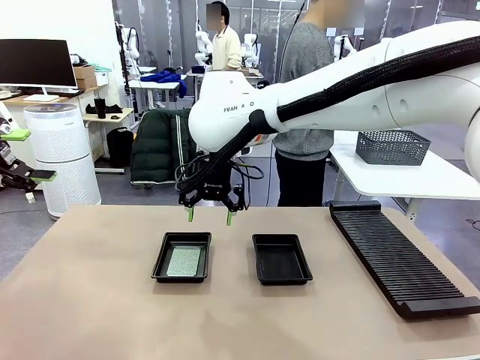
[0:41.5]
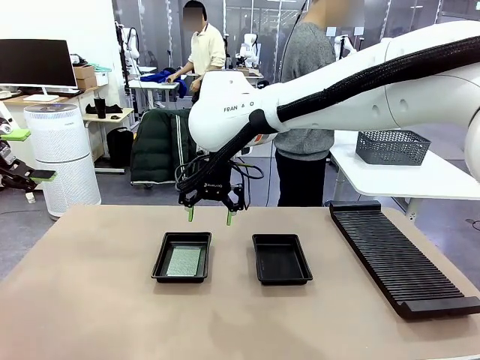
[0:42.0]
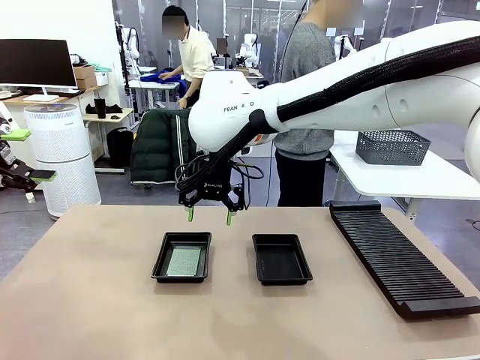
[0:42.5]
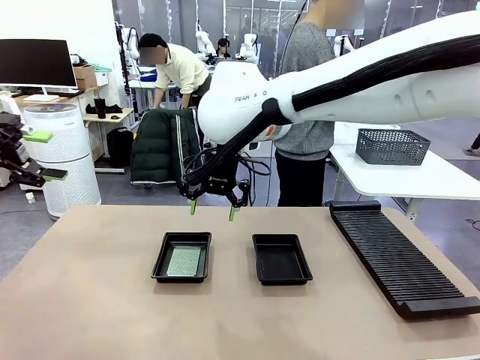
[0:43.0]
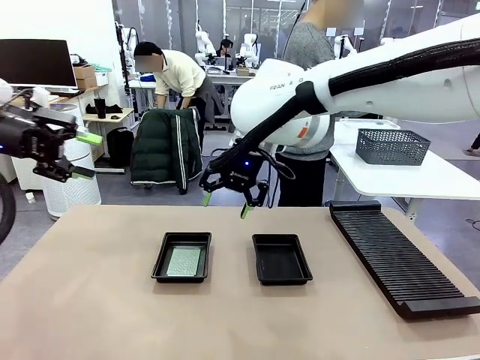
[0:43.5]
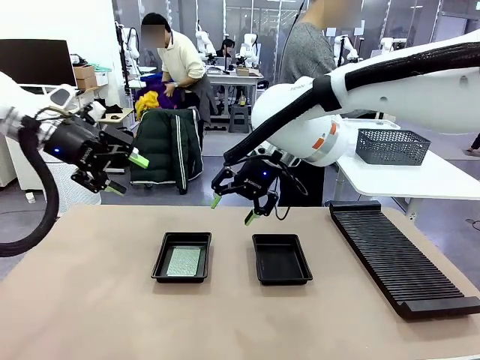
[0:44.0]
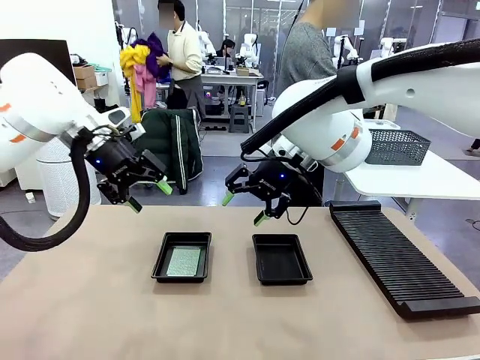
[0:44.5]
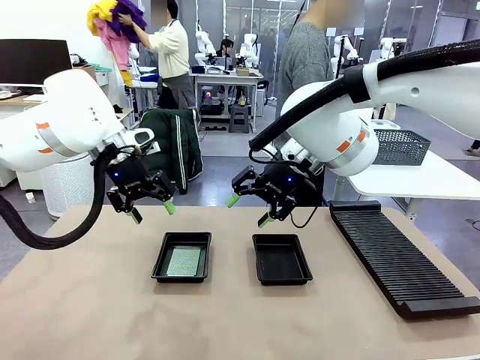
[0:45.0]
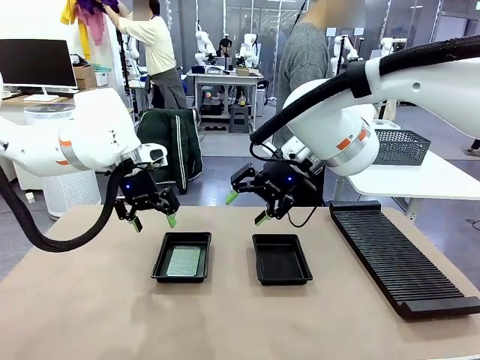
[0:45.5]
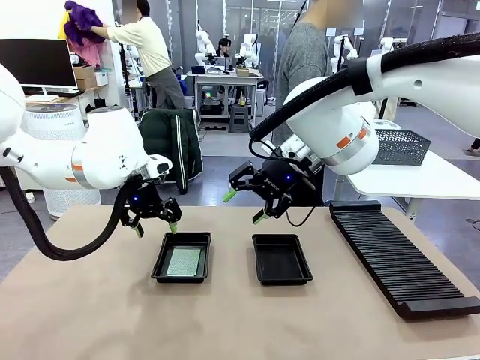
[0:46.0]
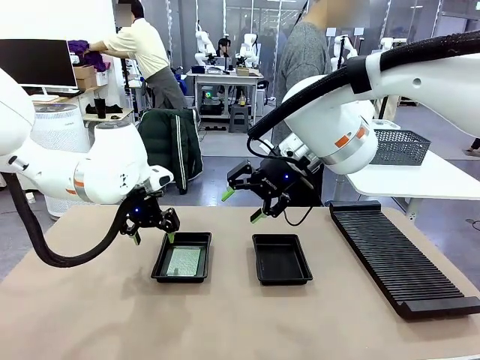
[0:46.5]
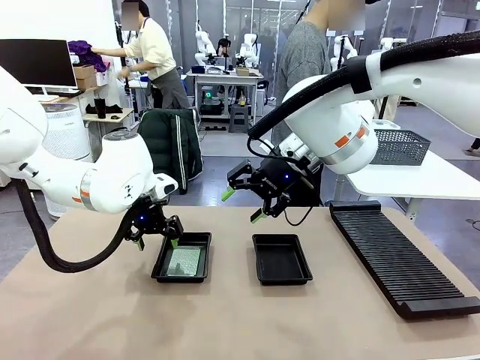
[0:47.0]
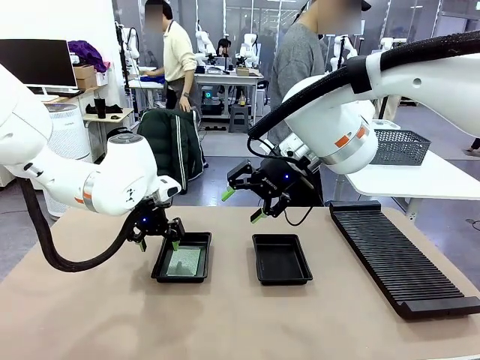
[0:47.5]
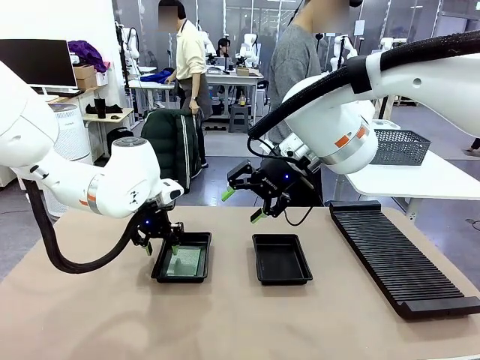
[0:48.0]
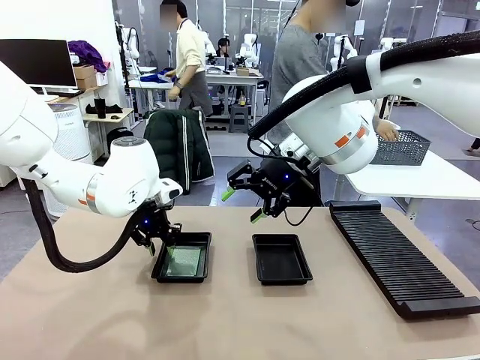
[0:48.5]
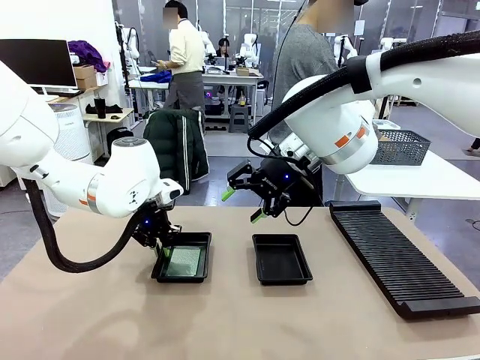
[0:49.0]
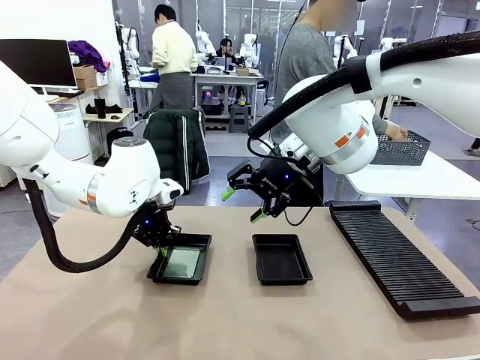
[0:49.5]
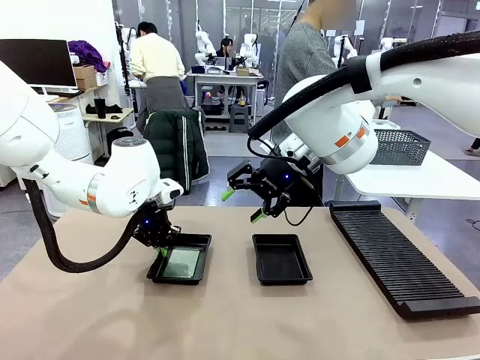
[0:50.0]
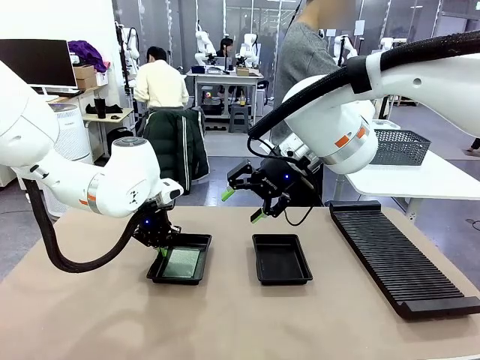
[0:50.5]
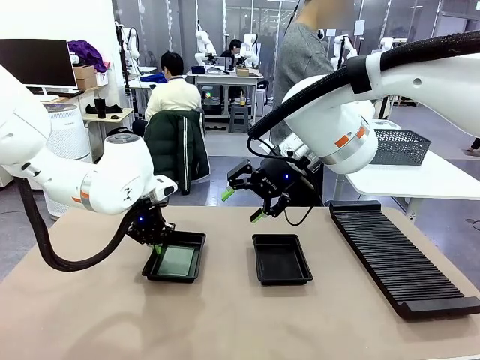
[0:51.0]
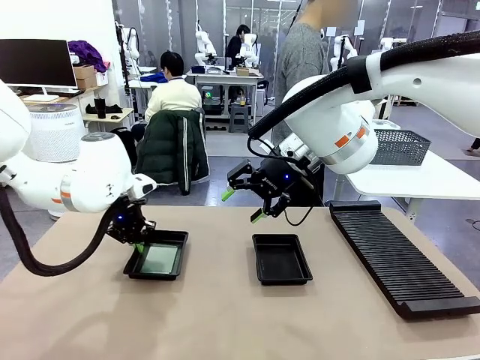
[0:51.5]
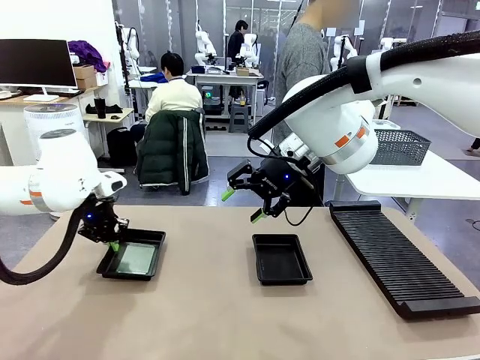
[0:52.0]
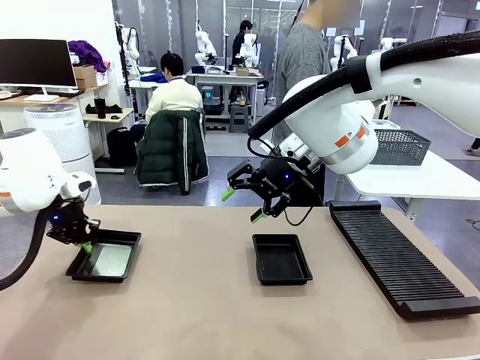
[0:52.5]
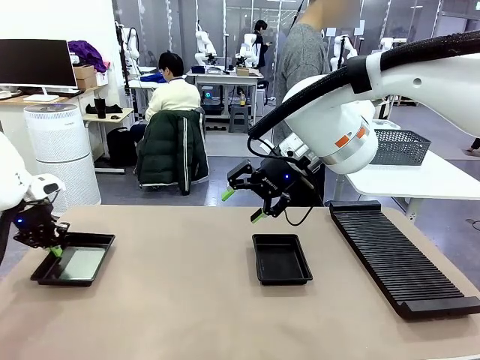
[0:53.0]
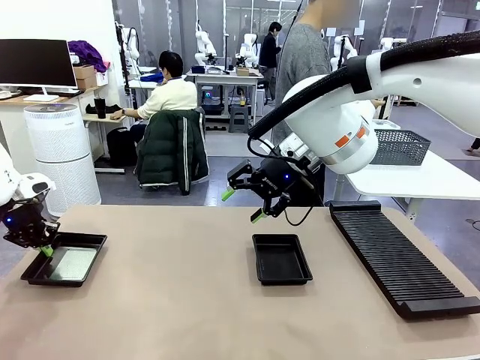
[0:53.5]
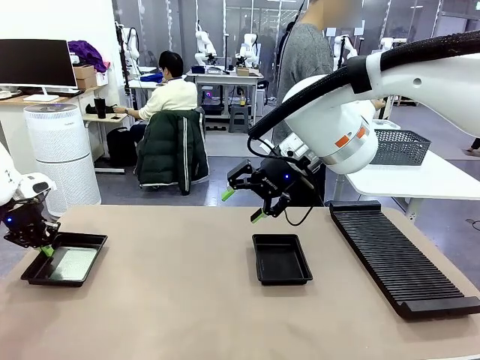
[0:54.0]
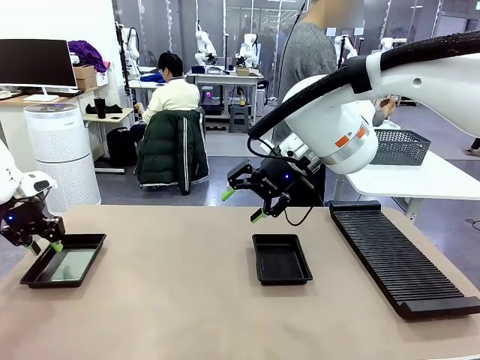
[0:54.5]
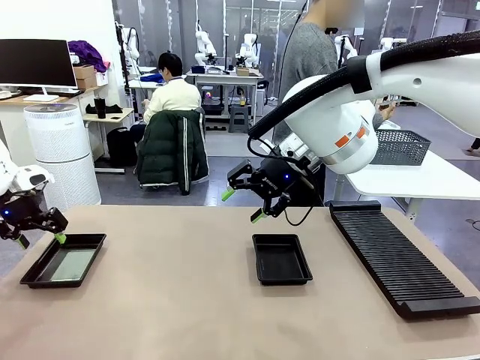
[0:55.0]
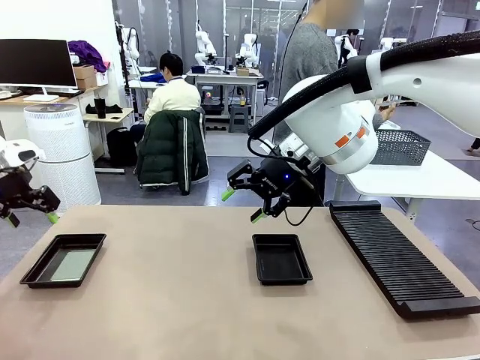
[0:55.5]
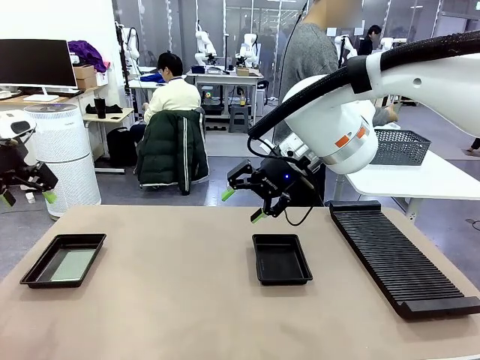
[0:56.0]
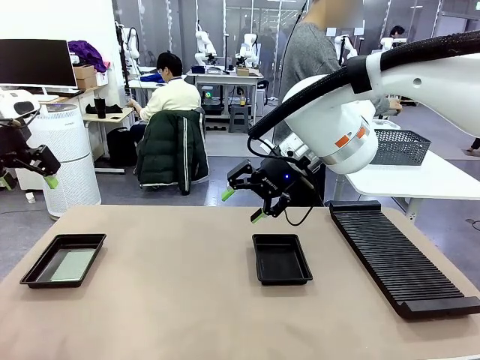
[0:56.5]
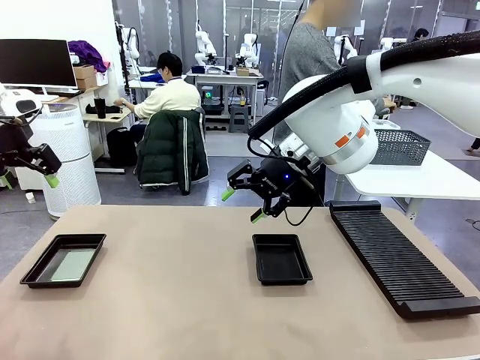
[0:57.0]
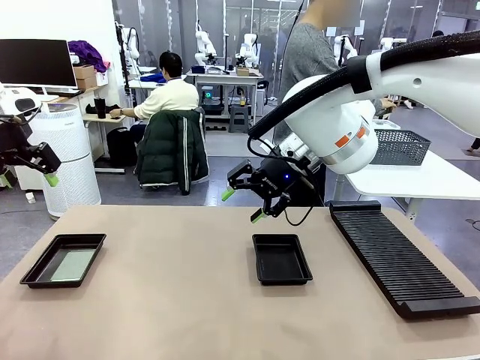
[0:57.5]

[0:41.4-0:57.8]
Task: Inspect and transfer BCBs to ESD trays.
Robot: Pick up the ESD tray and place it on the left side of the table.

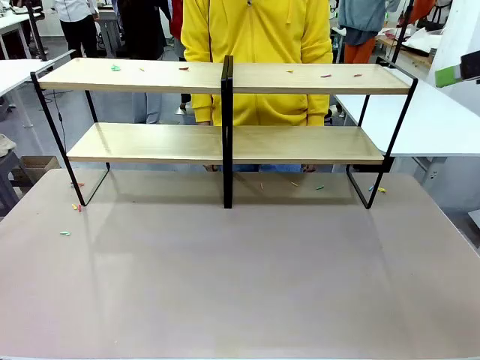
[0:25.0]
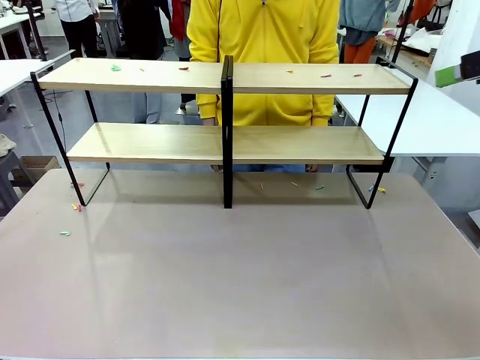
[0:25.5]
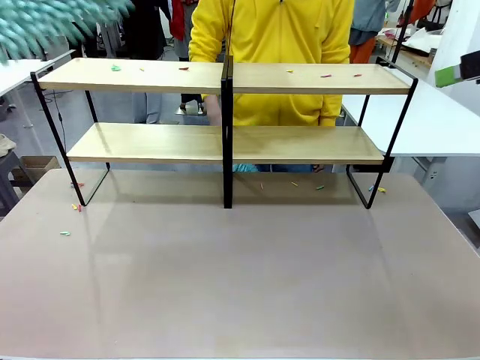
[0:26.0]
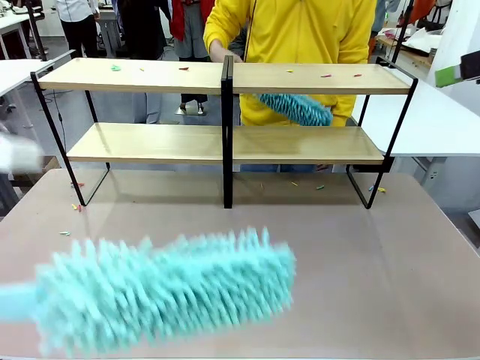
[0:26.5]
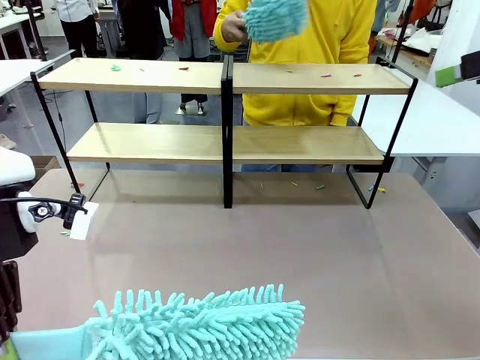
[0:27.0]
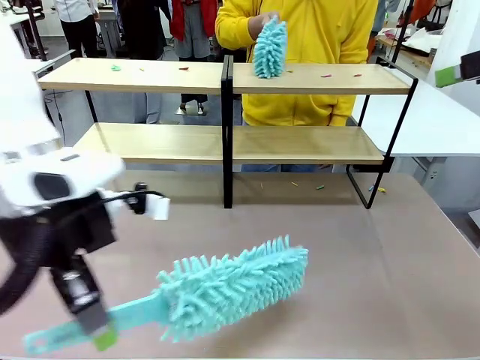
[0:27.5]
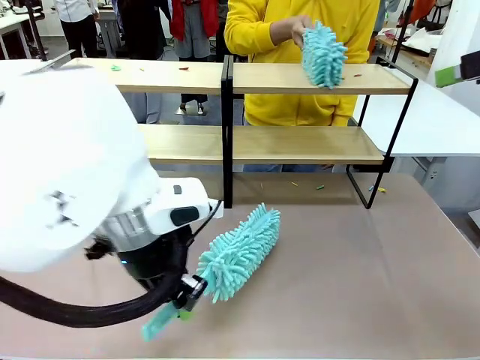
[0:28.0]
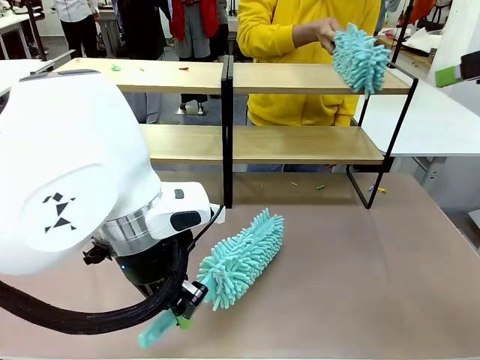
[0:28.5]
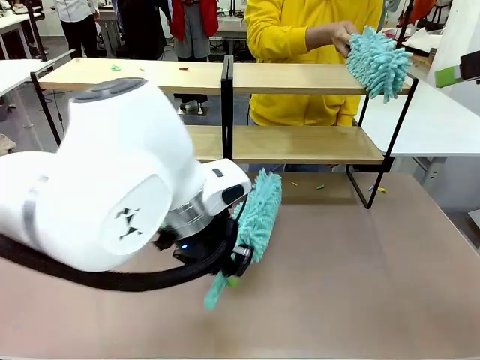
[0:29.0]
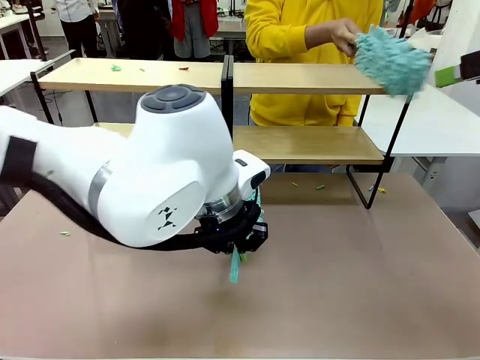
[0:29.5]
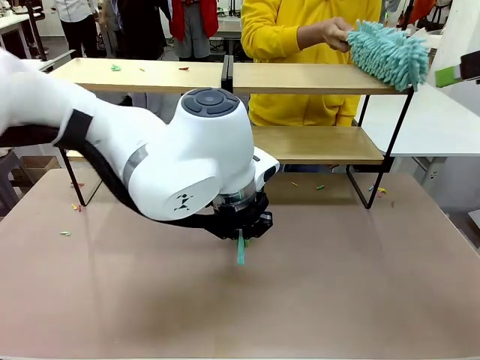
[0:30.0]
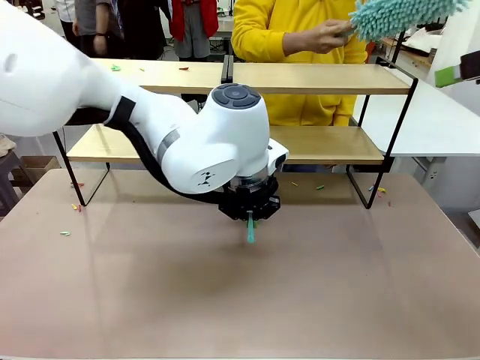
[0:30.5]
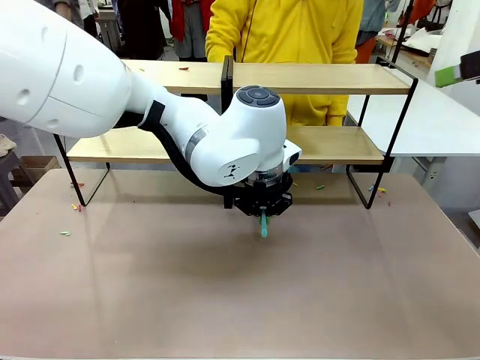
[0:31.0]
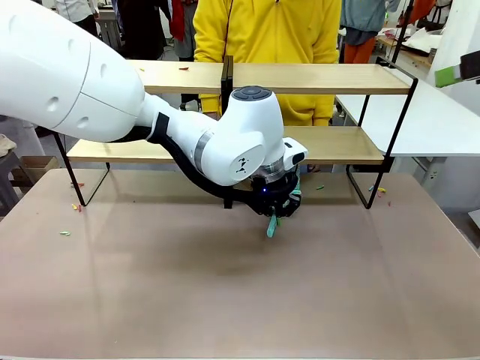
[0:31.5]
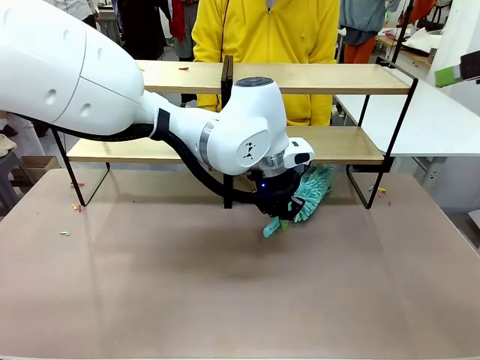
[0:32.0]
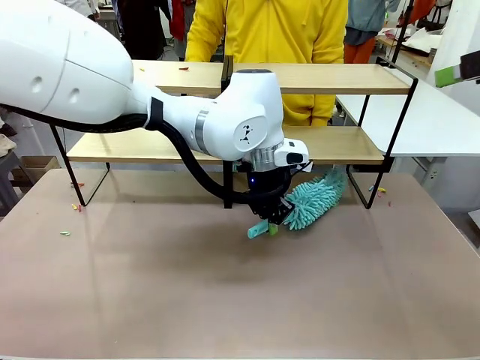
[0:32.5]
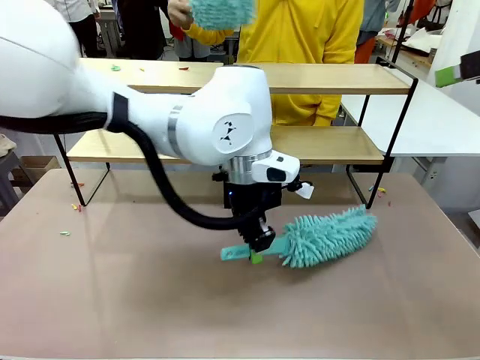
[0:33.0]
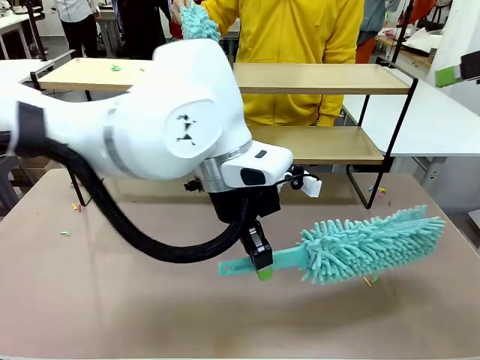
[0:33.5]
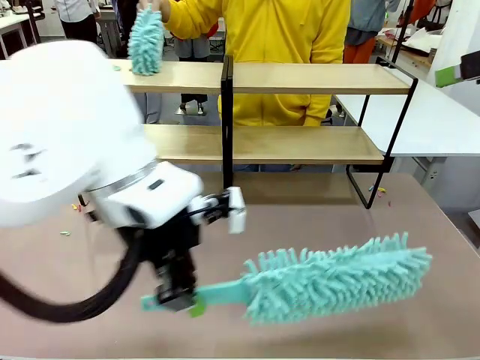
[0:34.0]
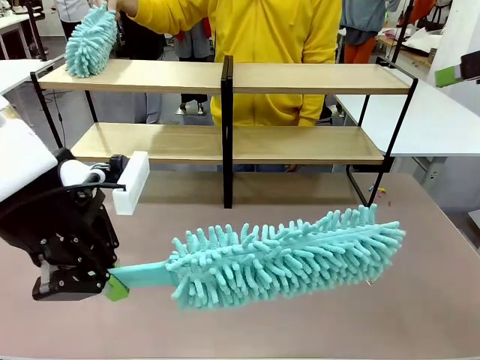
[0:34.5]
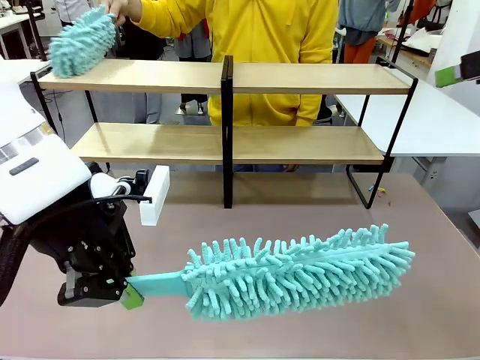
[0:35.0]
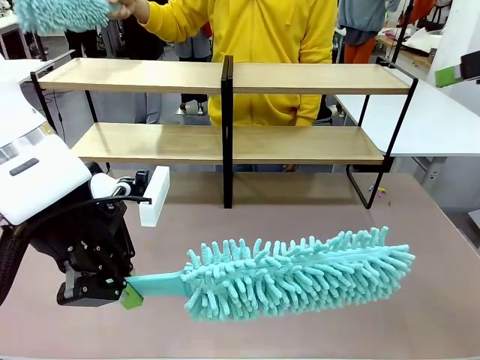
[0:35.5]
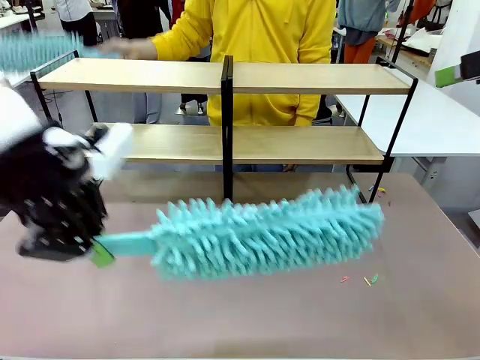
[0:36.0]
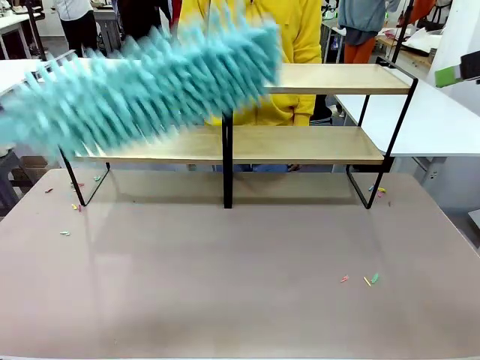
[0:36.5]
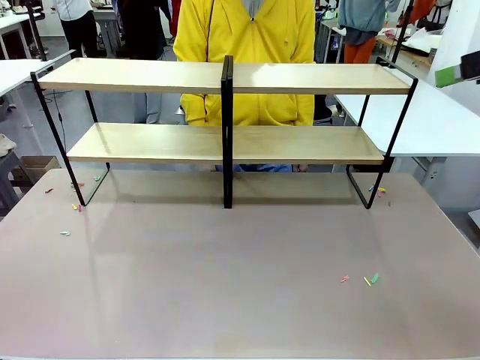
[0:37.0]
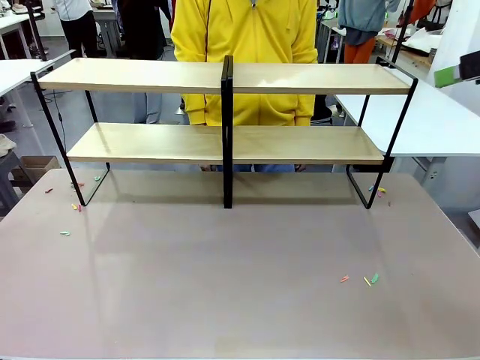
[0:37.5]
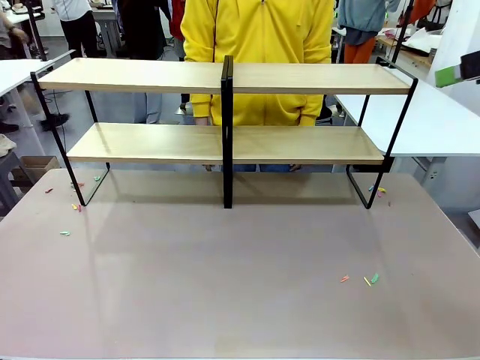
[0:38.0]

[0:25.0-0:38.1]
Task: Clean the shelves.
Robot: Clean another randomly selected level of the Shelf with the Duster.
